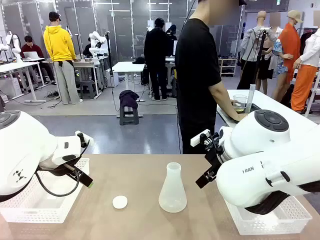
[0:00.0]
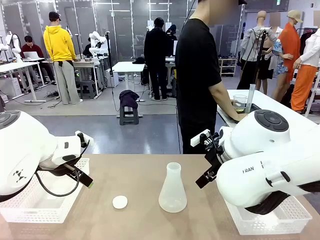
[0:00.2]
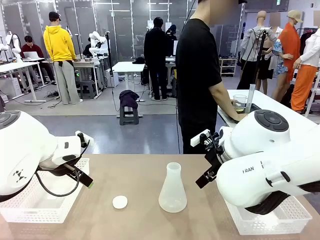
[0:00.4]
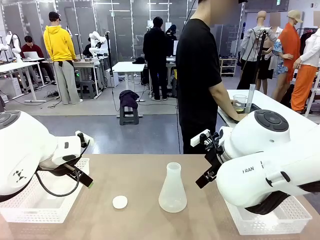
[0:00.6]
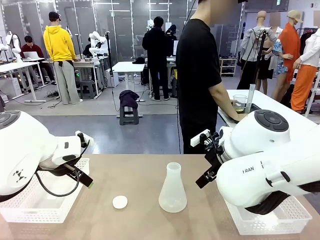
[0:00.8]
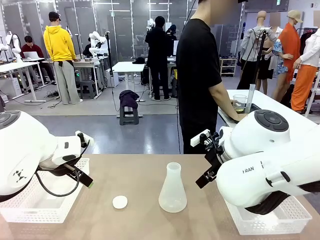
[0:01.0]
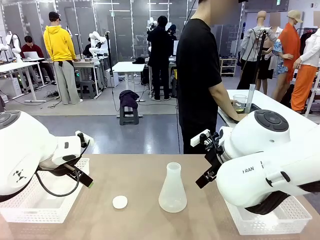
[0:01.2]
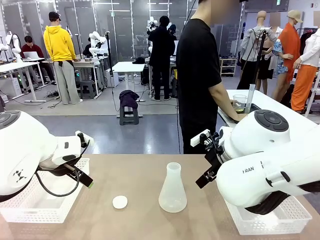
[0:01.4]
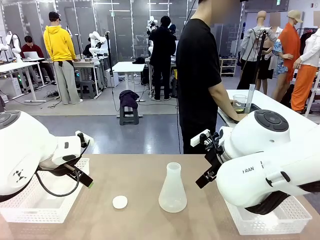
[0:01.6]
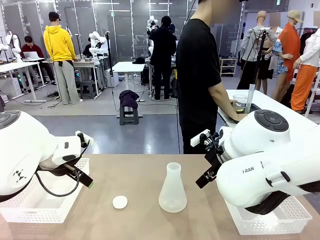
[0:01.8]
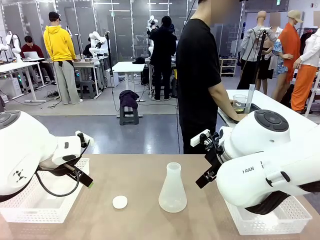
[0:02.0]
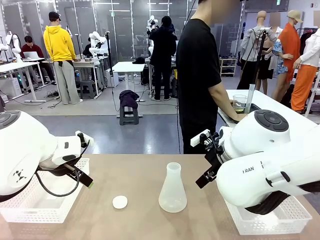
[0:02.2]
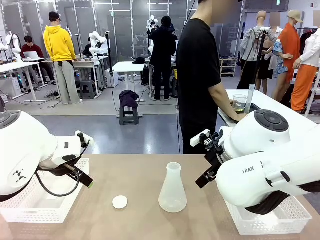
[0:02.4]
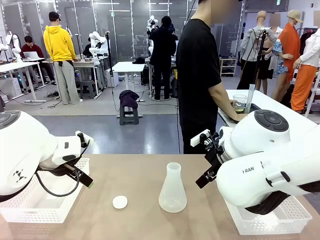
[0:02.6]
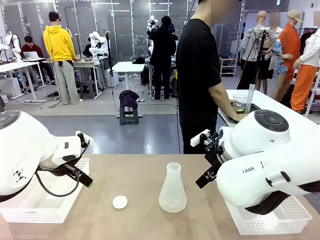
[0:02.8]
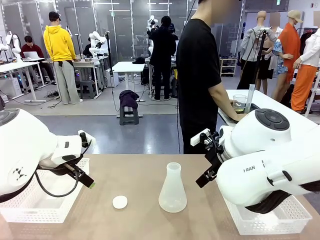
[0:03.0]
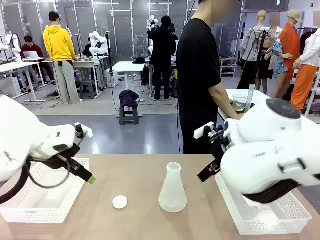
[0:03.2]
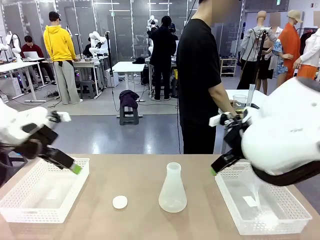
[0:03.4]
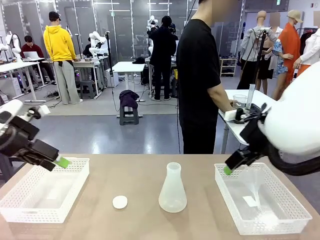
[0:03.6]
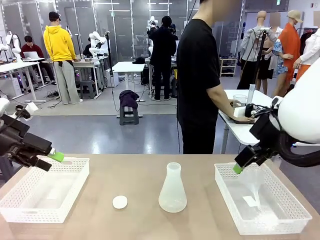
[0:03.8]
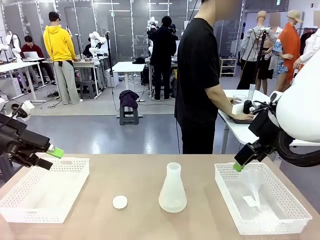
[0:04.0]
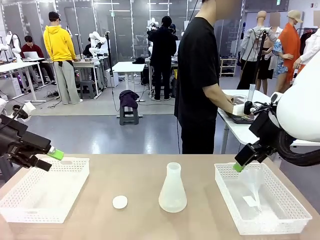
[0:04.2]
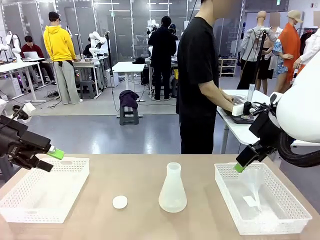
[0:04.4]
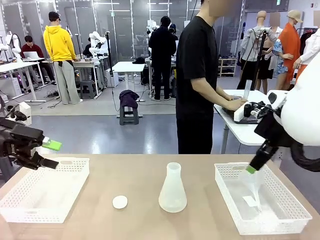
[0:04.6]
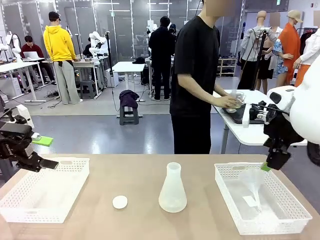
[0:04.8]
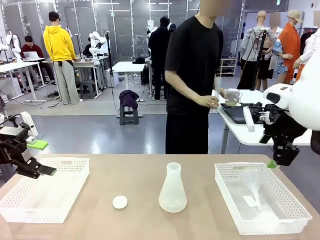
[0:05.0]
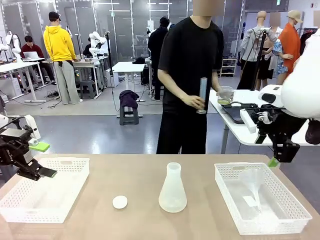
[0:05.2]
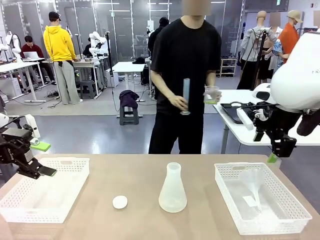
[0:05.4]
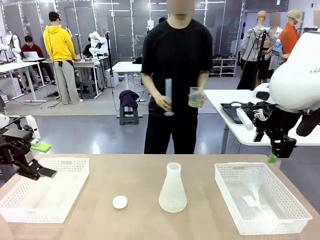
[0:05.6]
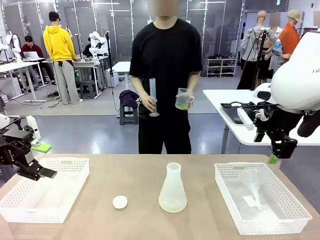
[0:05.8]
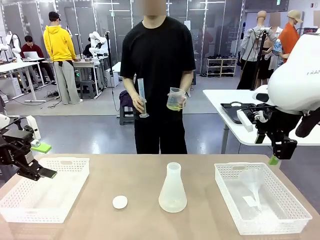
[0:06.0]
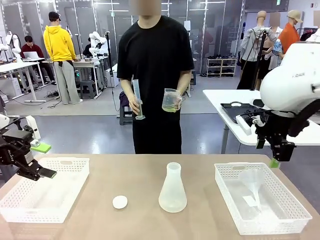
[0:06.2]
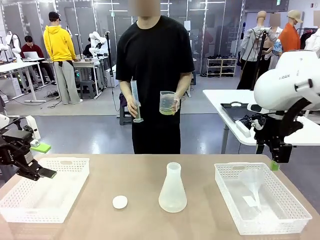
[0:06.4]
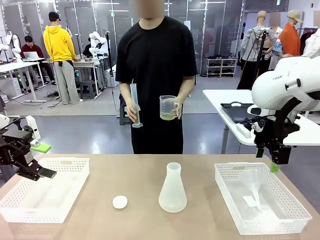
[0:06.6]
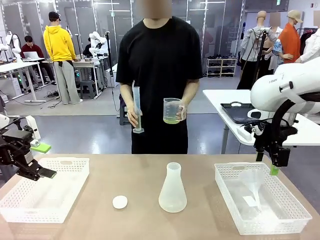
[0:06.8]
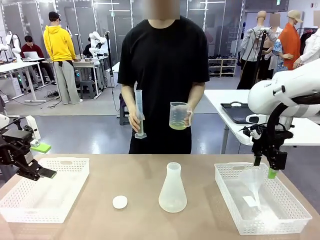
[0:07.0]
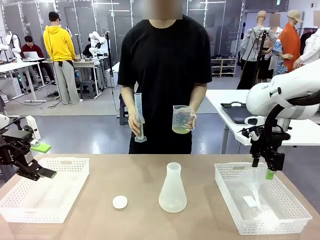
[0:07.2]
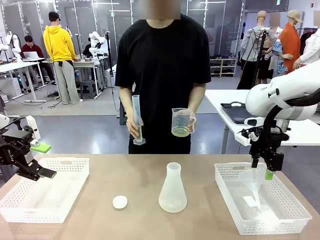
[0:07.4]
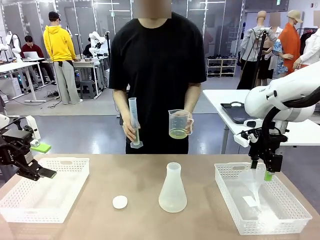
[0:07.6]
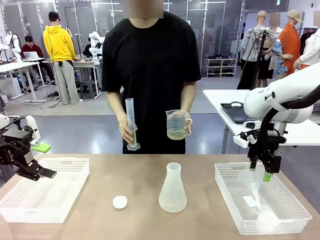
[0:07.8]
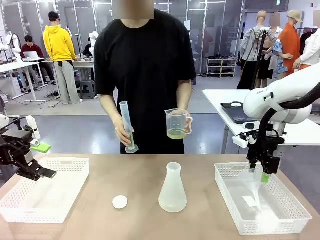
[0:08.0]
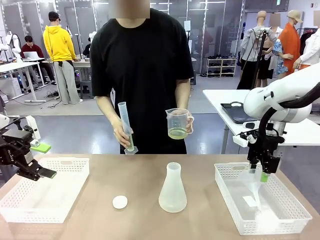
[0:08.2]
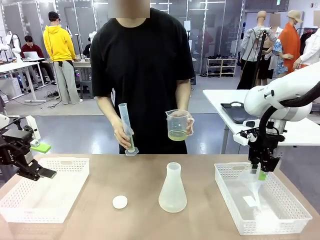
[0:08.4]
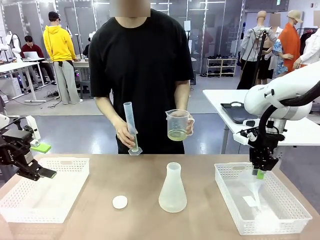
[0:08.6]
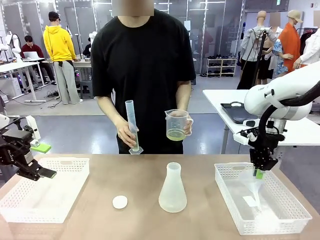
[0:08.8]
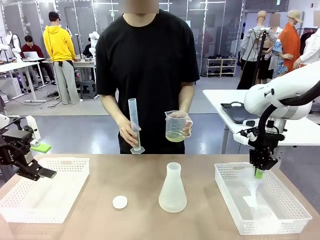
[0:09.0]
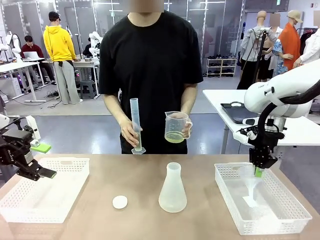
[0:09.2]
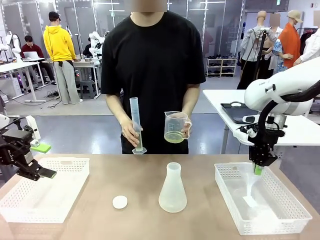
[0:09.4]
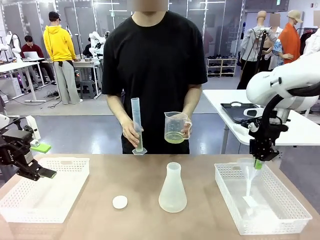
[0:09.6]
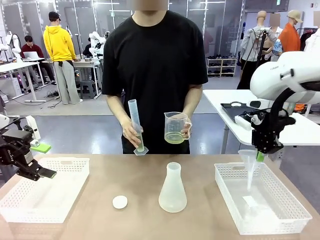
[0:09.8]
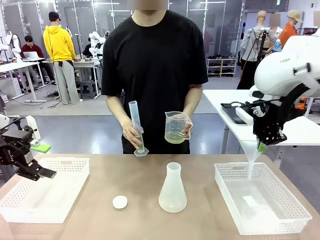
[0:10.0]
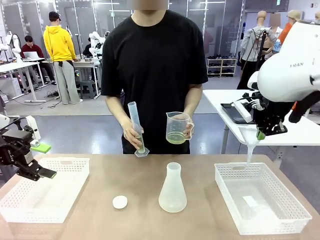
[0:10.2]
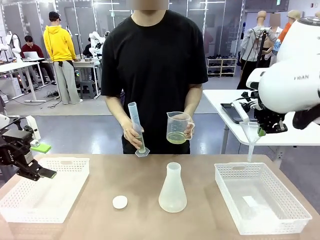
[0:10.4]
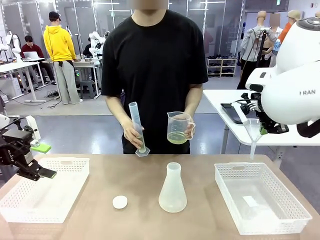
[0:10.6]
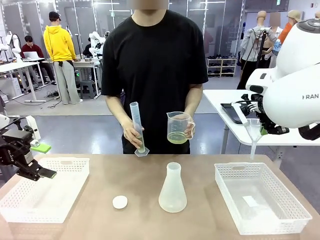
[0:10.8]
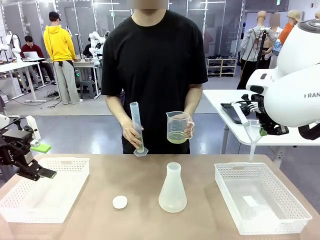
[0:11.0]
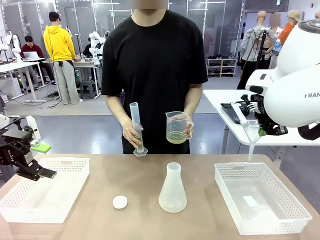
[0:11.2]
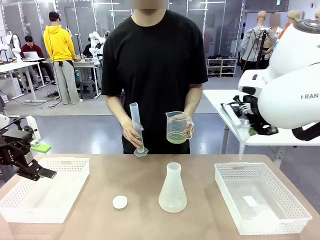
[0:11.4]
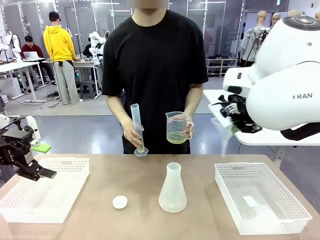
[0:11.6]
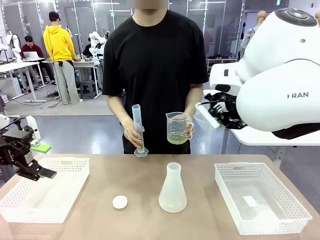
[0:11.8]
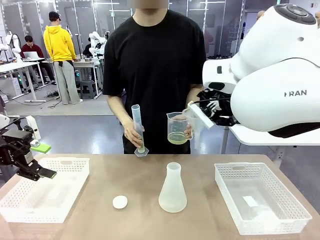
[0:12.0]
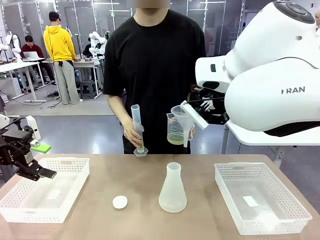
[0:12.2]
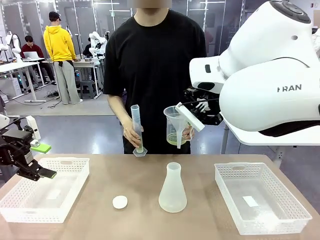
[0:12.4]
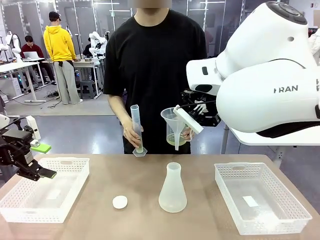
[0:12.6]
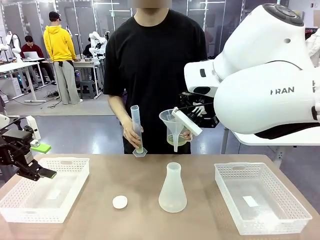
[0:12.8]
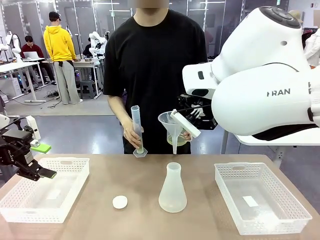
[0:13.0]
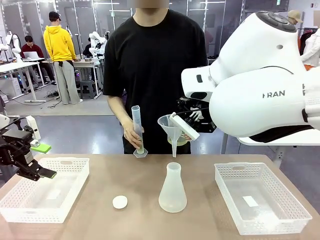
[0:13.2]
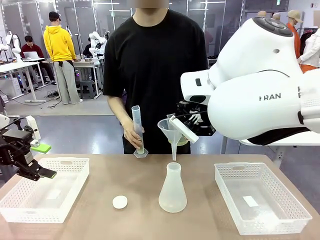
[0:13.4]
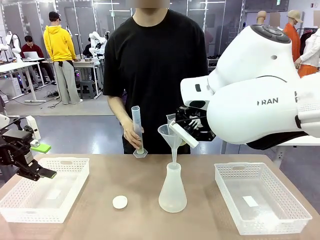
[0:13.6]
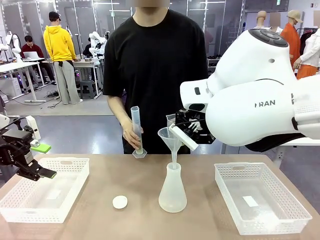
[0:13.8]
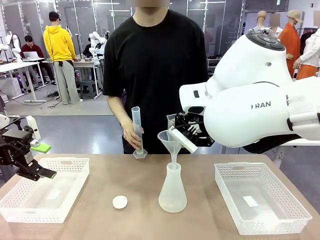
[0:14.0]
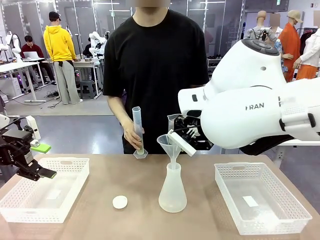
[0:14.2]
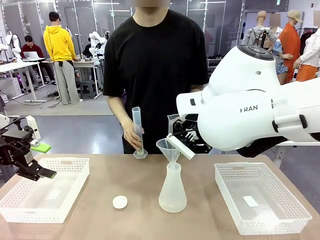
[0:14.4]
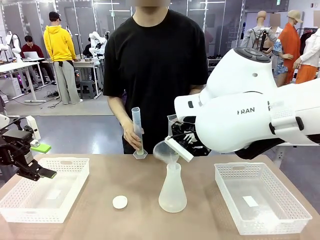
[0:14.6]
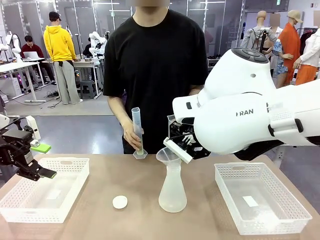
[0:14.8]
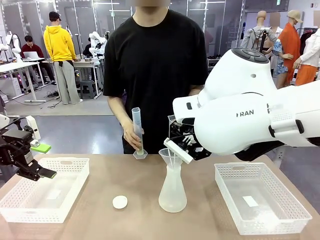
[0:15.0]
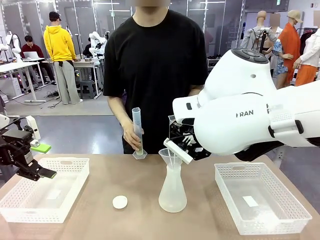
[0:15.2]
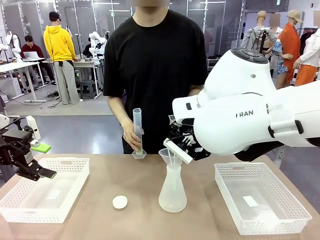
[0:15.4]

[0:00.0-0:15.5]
Task: Prepare the solutions needed for the experiment.
Robot: Pick up the Plastic Funnel and insert it into the Big flask.
Person: Pick up the beaker and the cylinder and move to the middle of the robot table.
